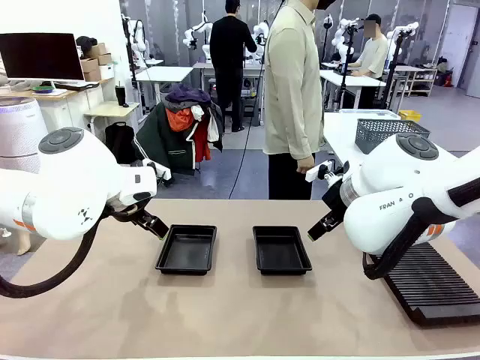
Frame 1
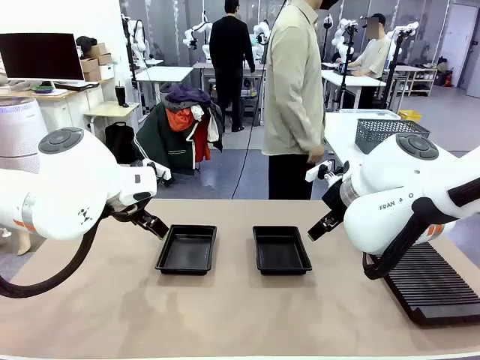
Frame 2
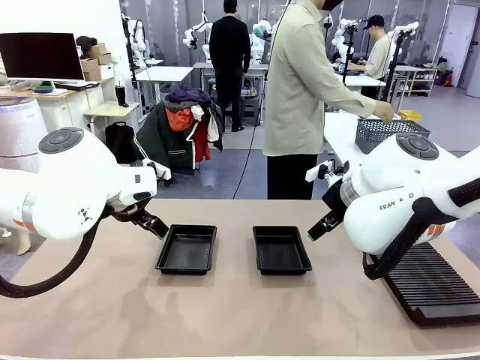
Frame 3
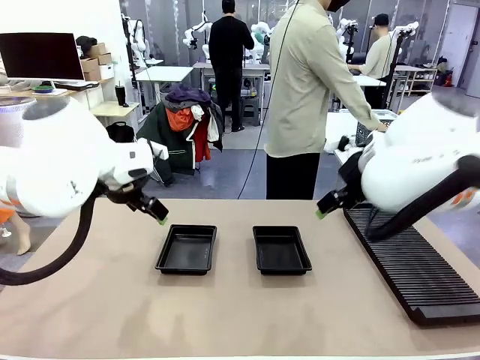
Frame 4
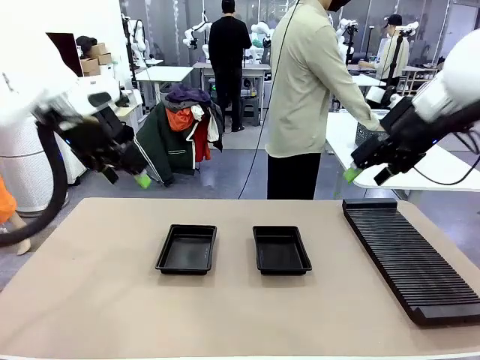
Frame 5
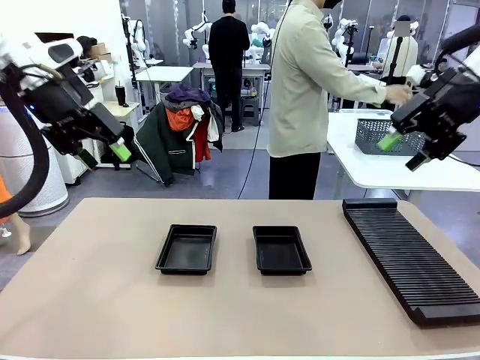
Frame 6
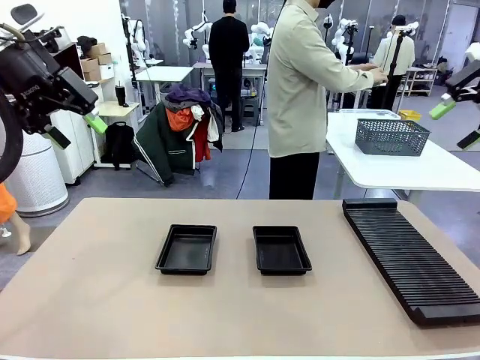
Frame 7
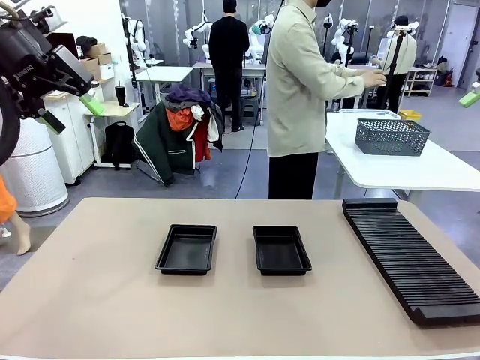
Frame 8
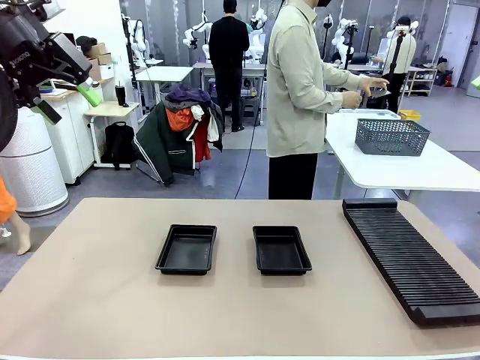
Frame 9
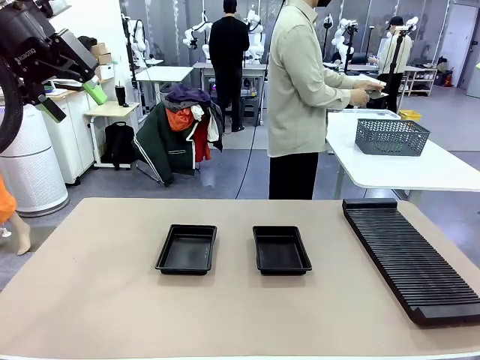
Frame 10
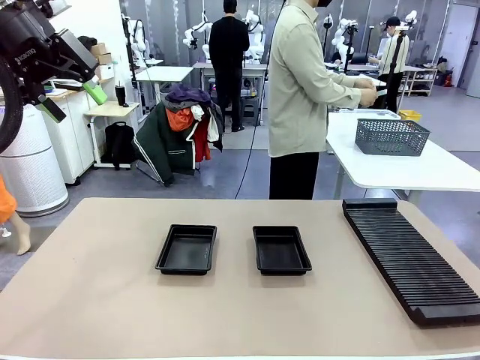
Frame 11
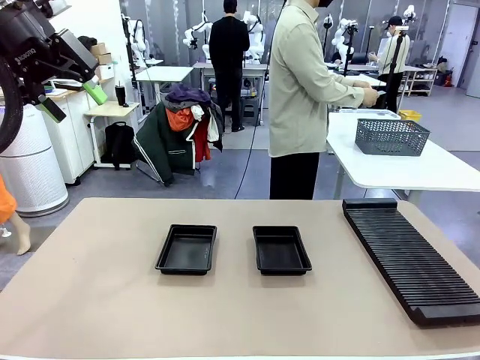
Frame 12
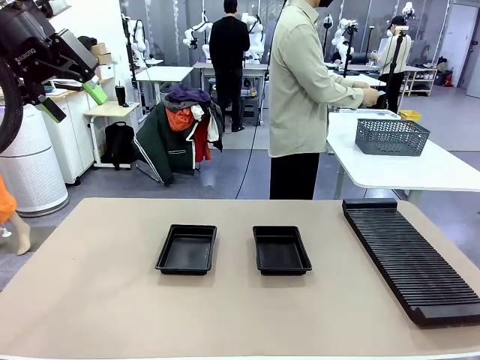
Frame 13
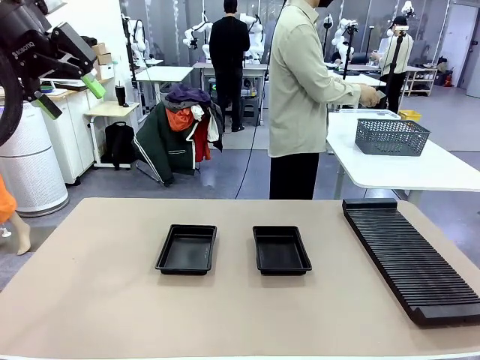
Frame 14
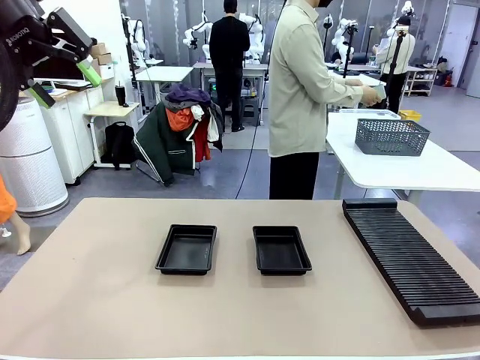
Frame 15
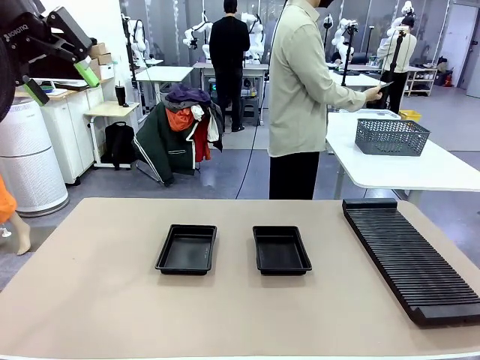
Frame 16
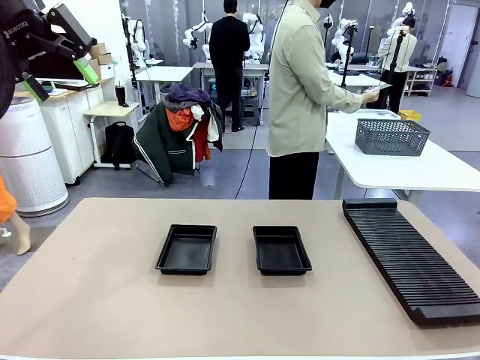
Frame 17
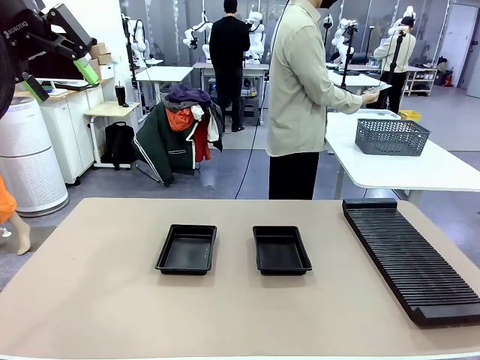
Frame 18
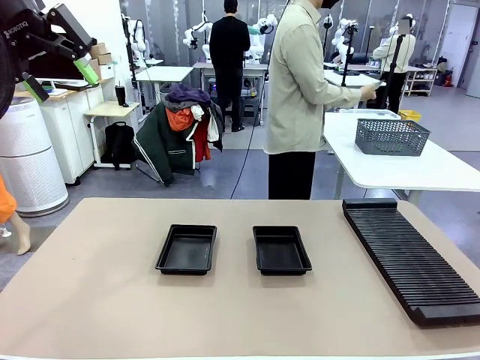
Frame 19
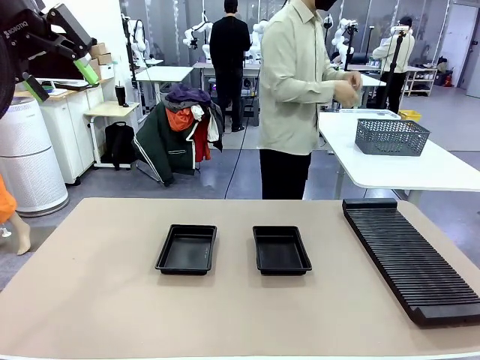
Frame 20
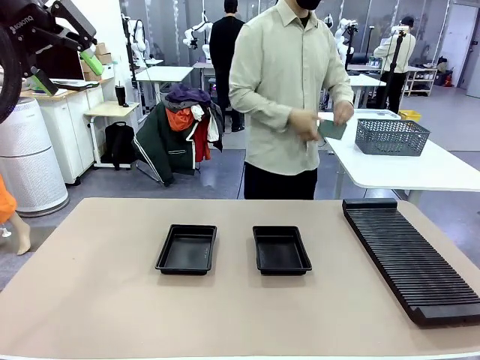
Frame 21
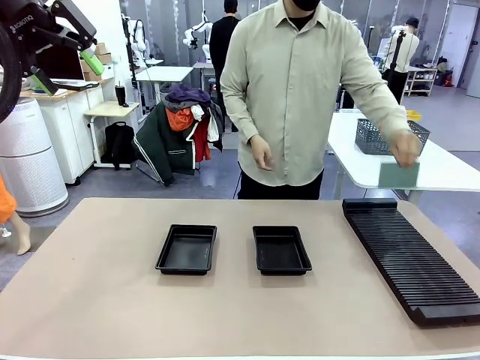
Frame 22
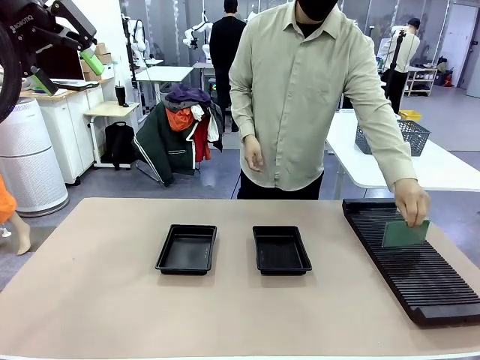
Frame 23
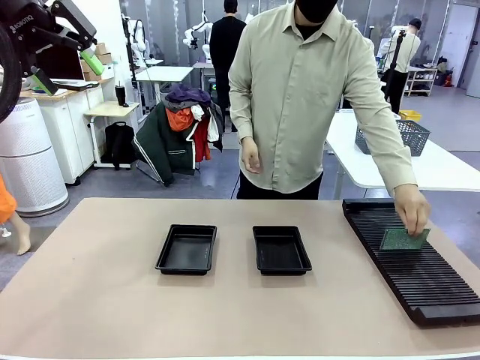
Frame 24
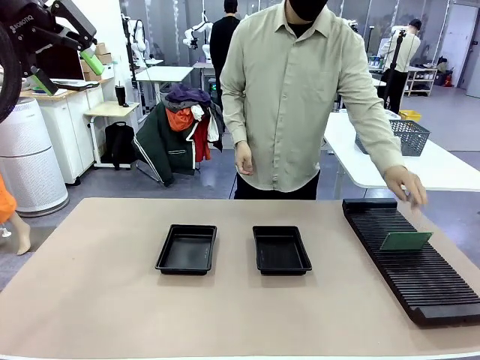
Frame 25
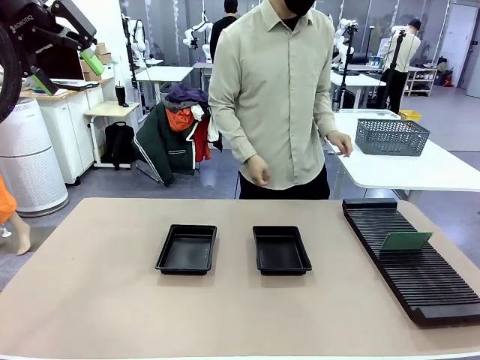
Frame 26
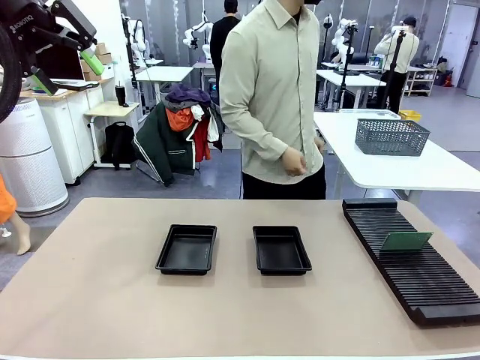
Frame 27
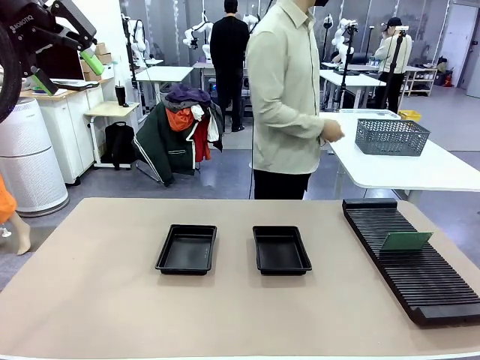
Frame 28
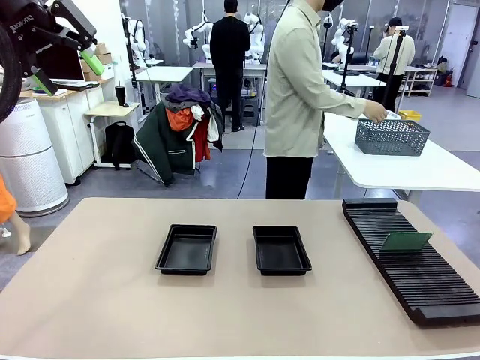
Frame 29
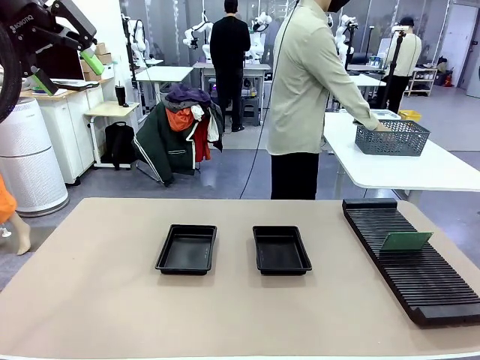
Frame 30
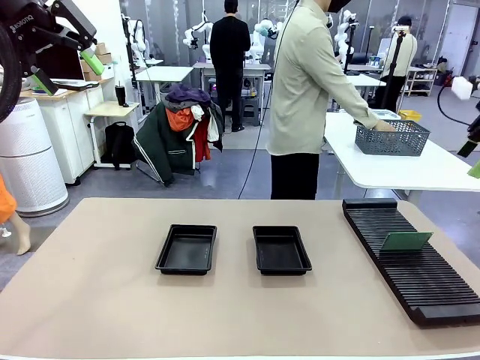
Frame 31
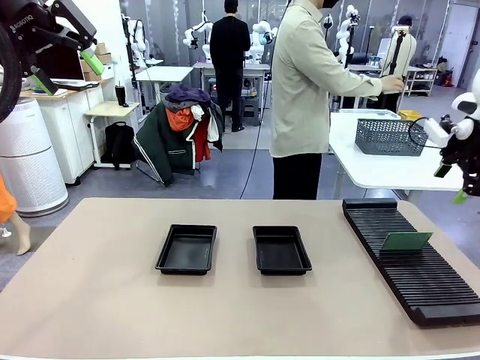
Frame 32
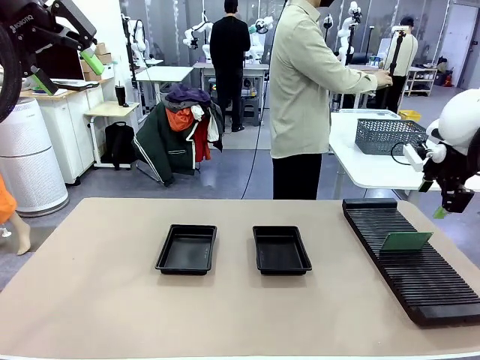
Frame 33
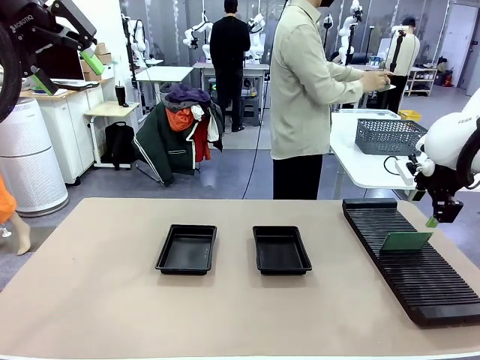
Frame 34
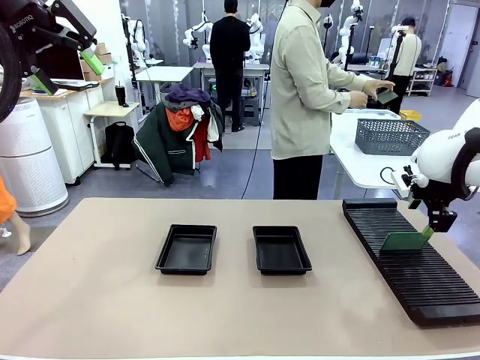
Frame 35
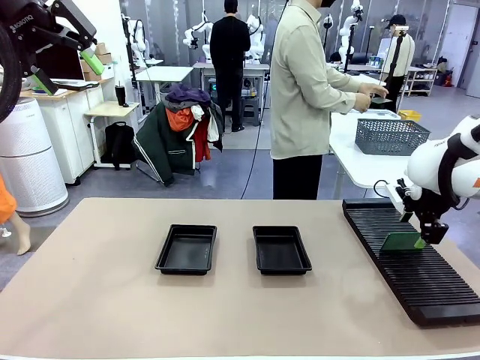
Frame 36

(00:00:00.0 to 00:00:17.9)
Task: Inspect and transfer BCBs to ESD trays.
Robot: Pick up the Blank PCB from the PCB Rack and place it in the left ESD tray.

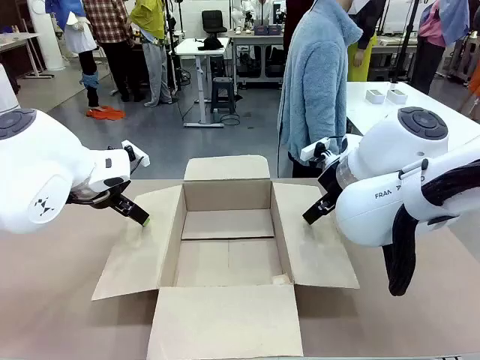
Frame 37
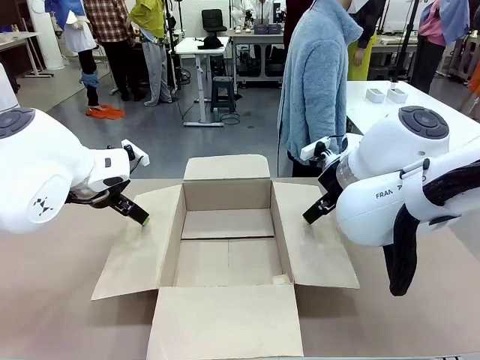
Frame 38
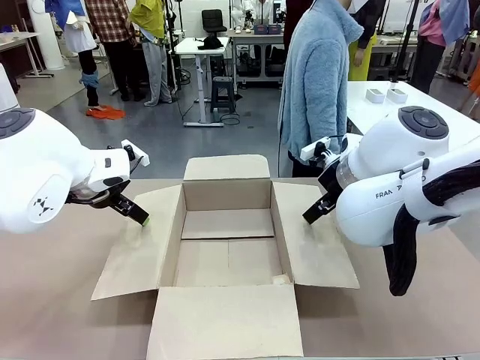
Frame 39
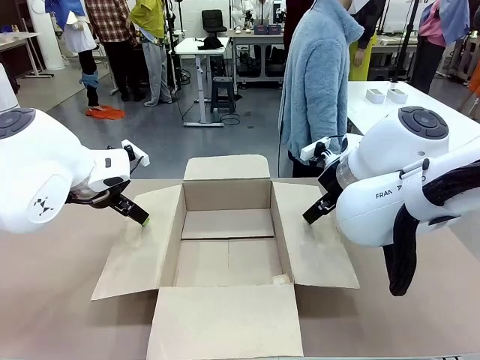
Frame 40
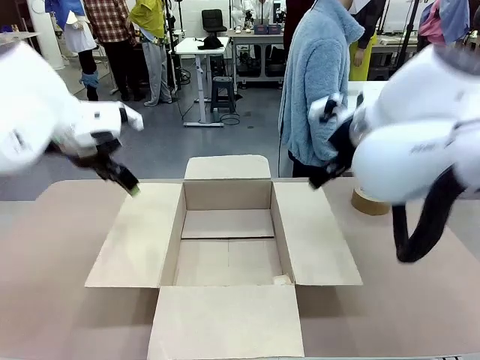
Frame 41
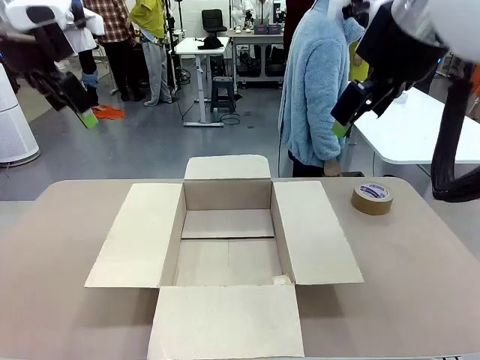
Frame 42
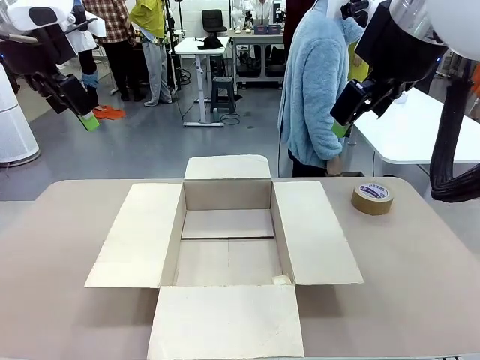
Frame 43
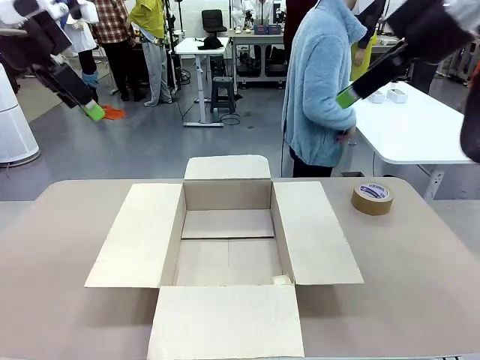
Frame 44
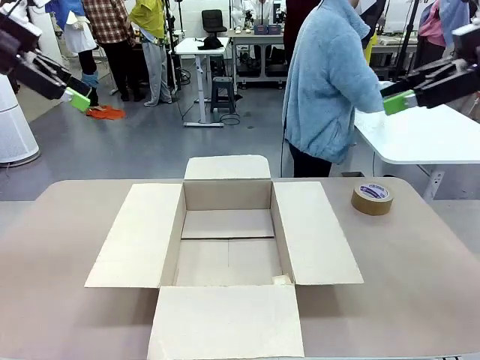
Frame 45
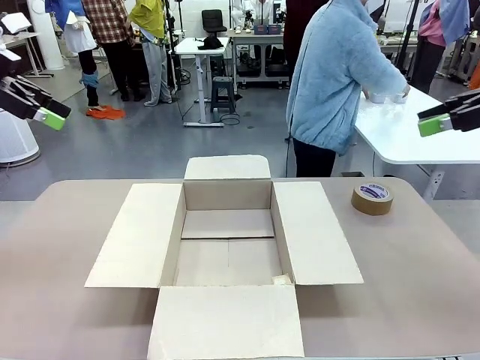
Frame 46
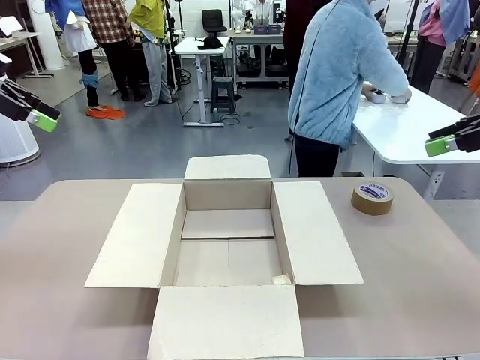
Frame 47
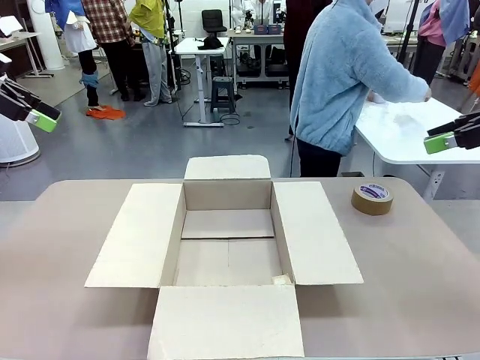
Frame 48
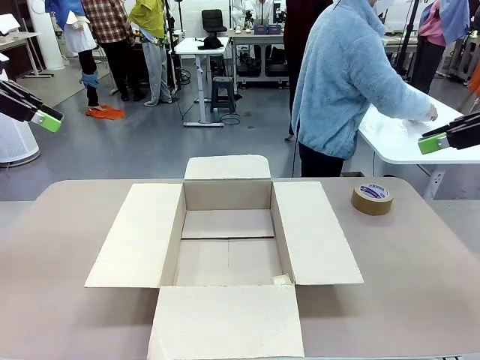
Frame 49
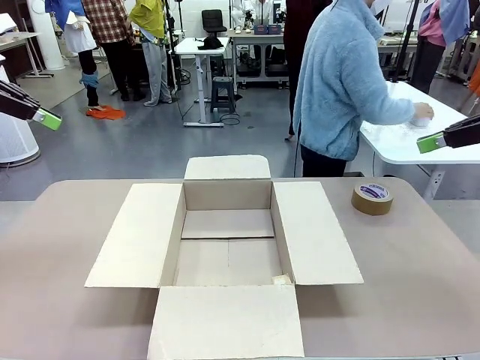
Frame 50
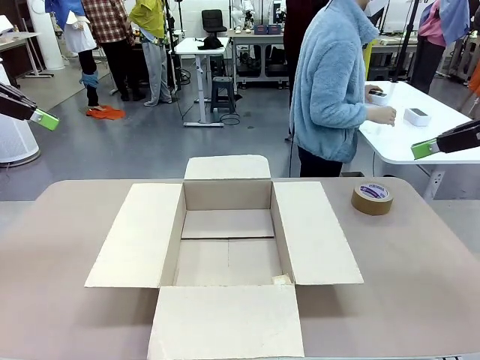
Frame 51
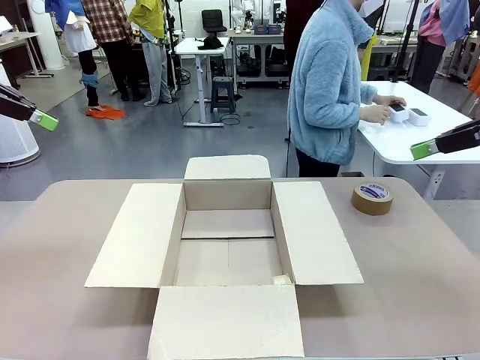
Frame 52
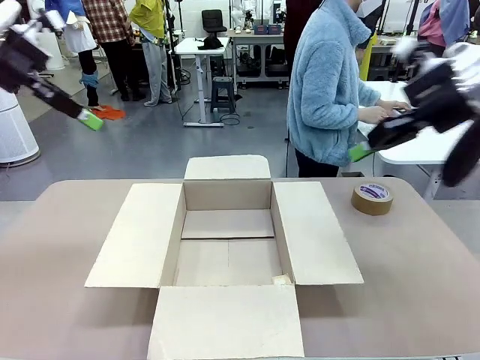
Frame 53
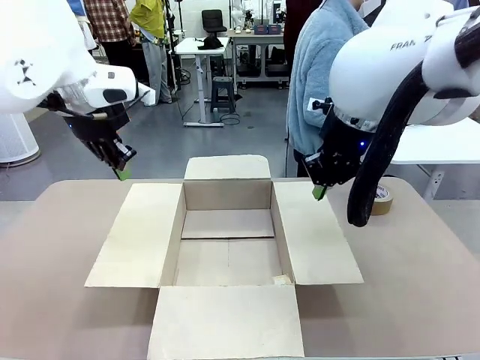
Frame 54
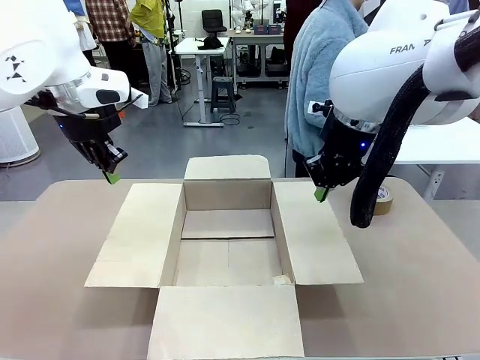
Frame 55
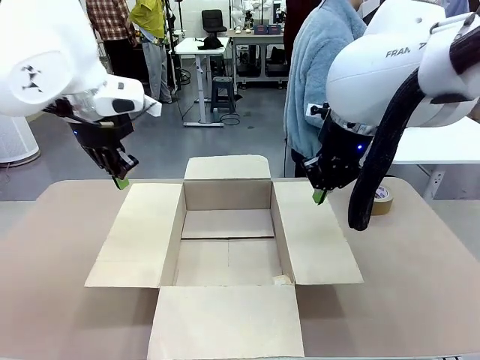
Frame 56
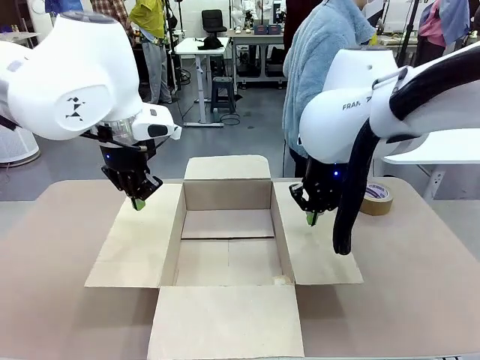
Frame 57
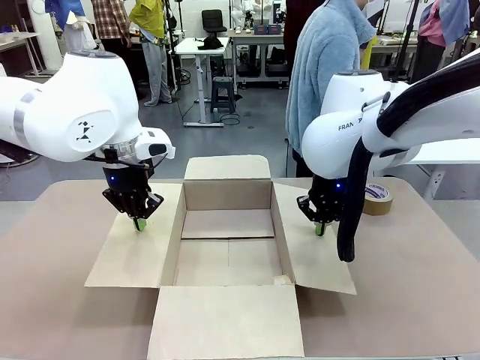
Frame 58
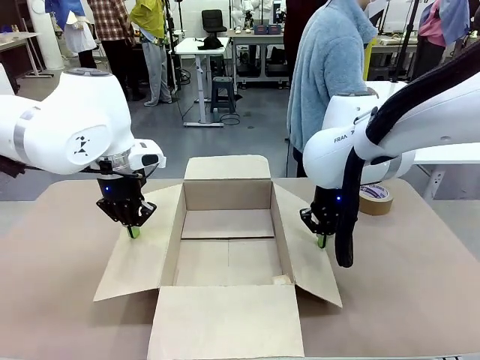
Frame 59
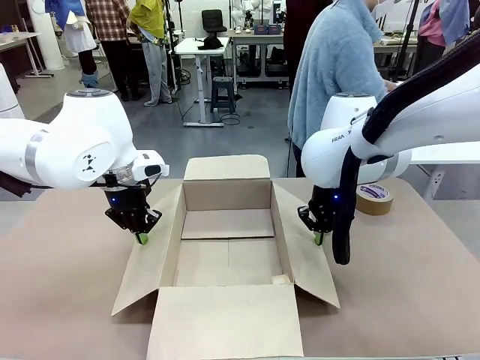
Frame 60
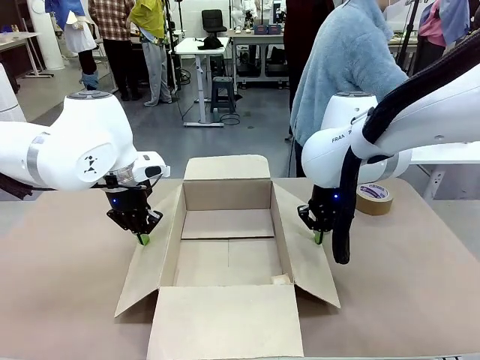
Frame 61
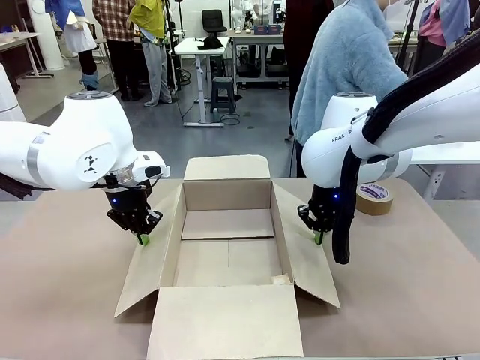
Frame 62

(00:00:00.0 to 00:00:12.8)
Task: Wrap the clocks to prevent damage.
Robot: Open the side flaps of the Package Box.
Person: Wrap the two Digital clocks with Bubble Wrap.
